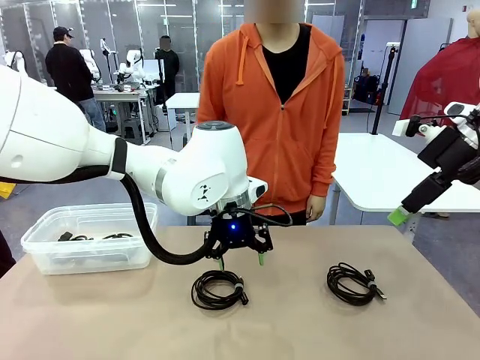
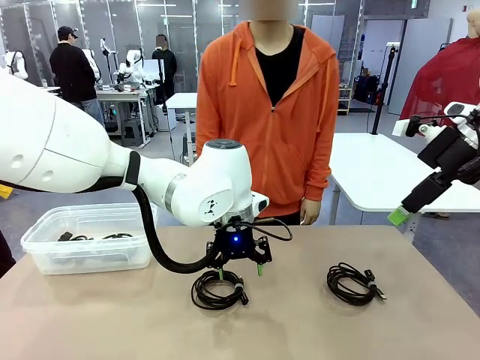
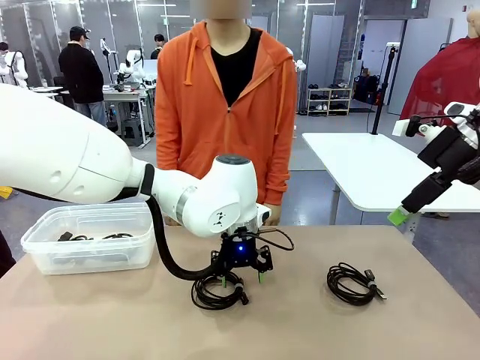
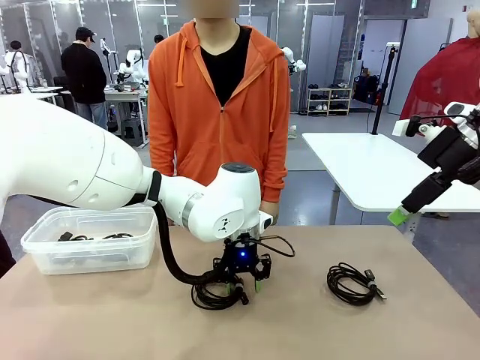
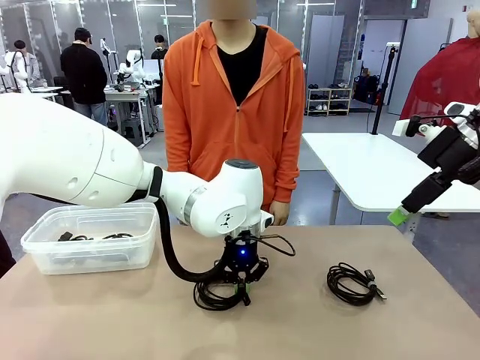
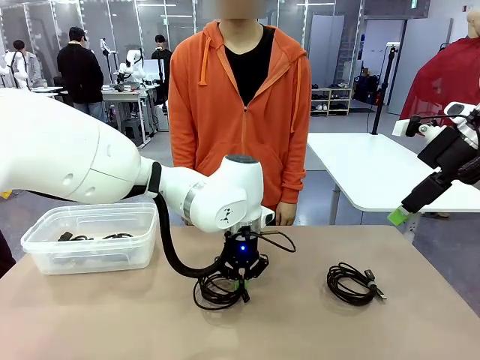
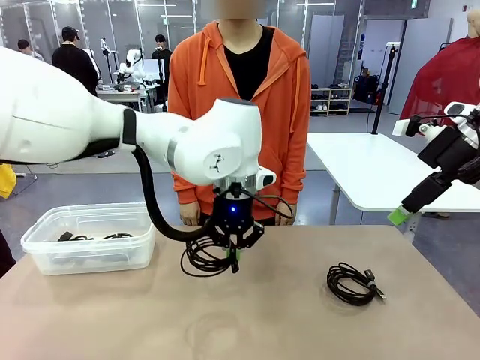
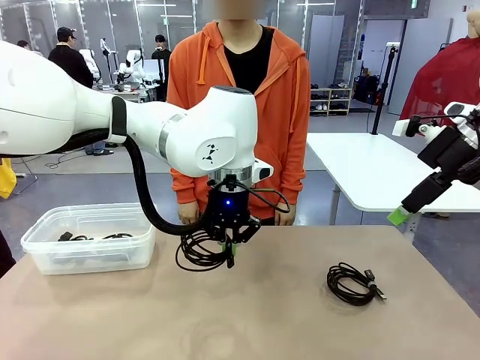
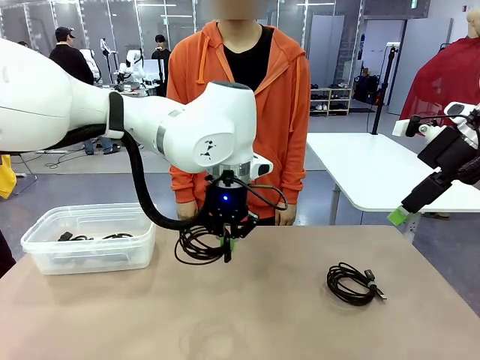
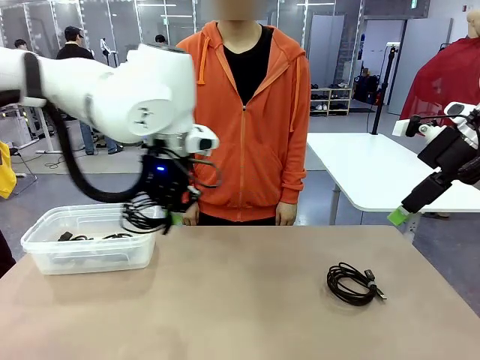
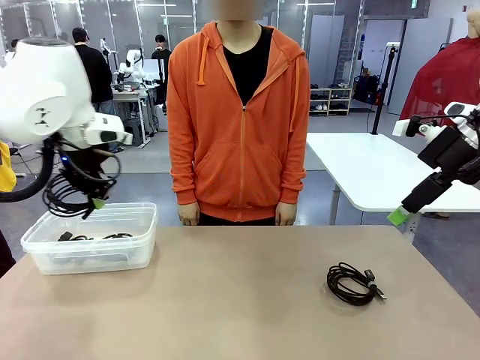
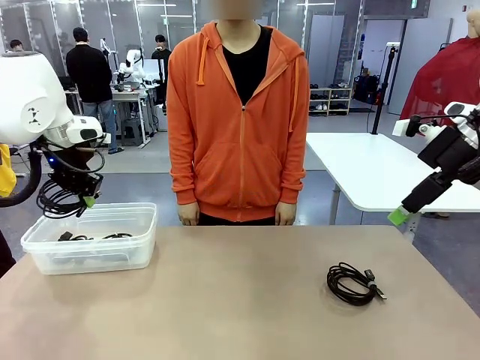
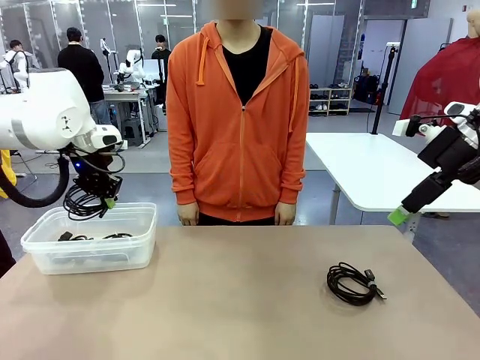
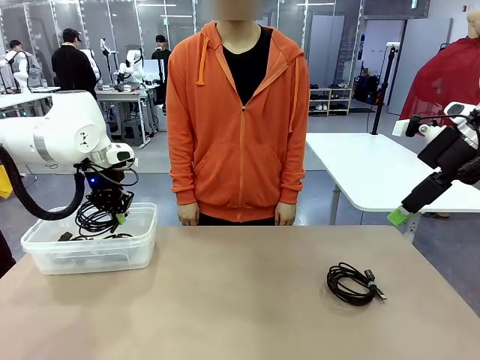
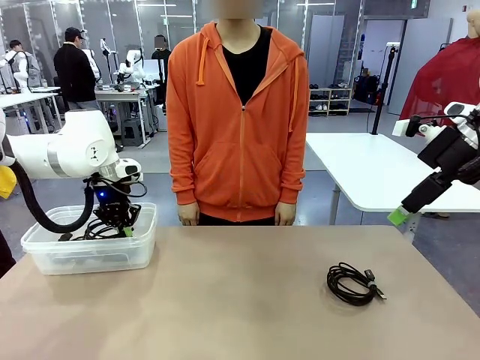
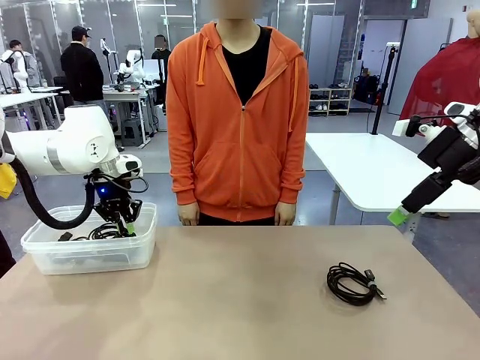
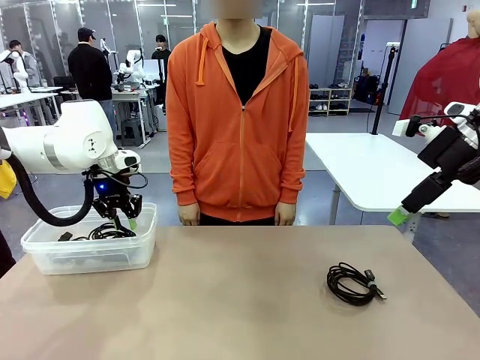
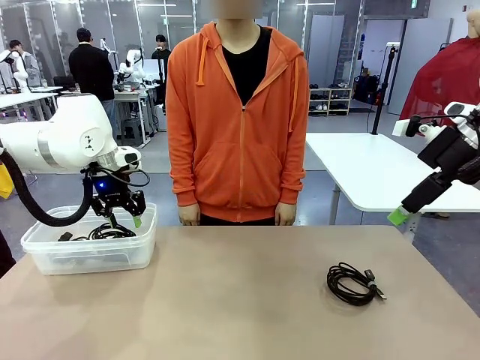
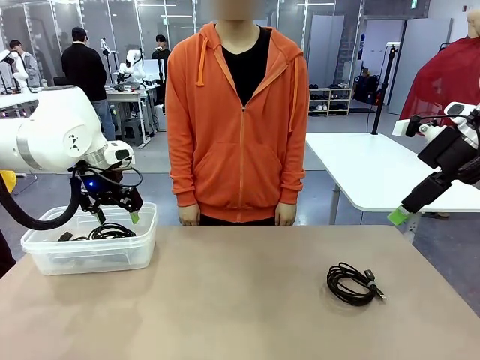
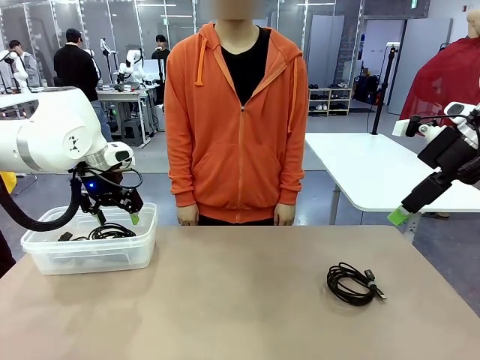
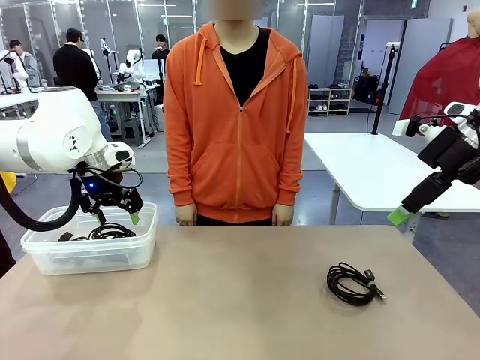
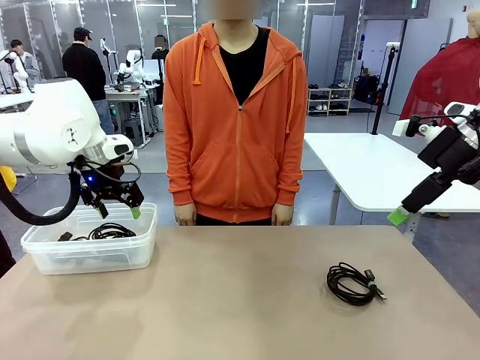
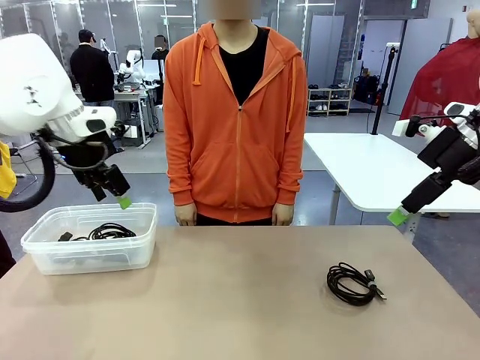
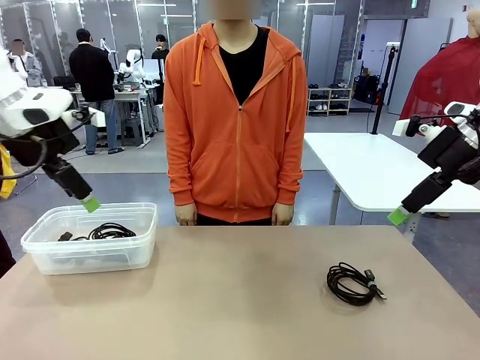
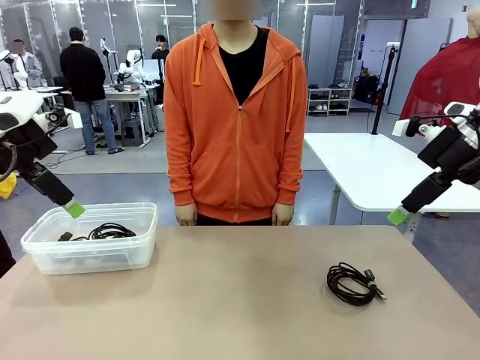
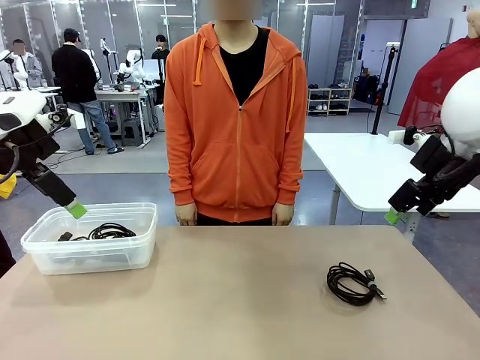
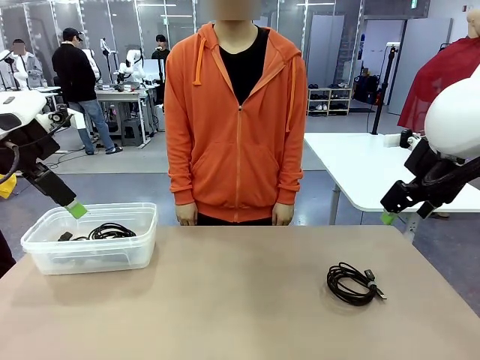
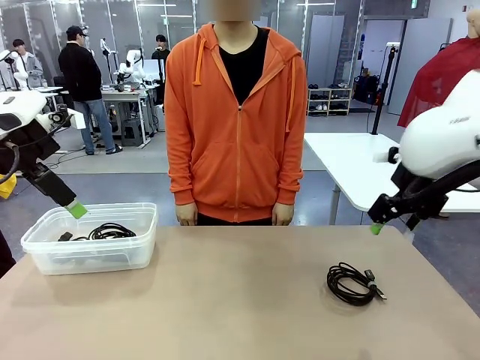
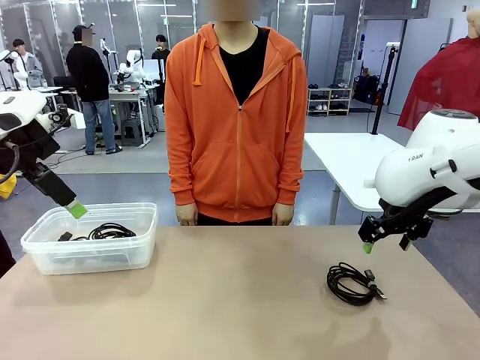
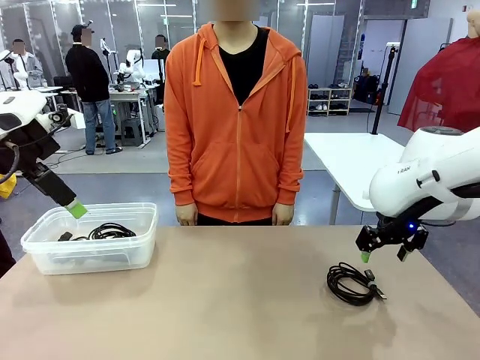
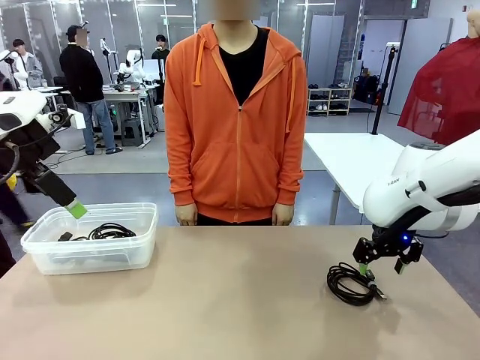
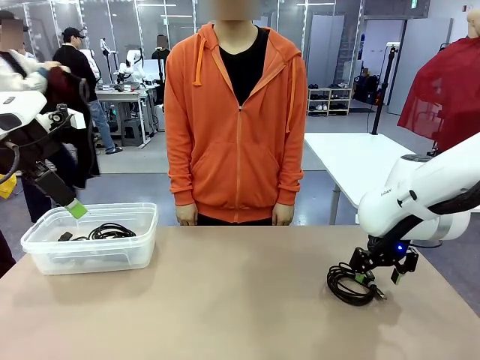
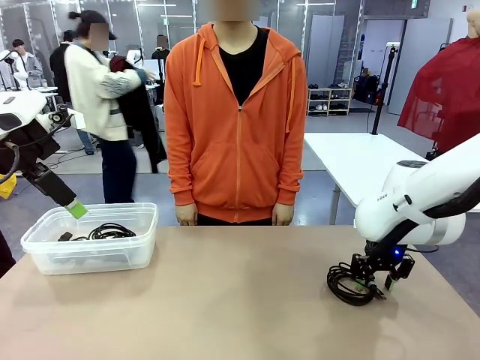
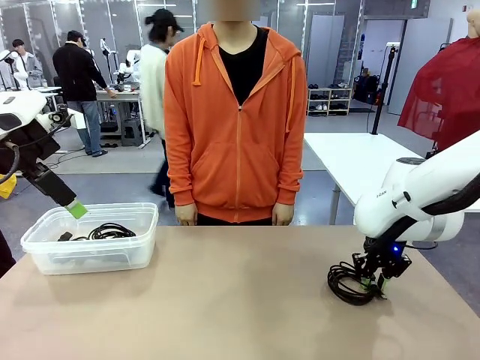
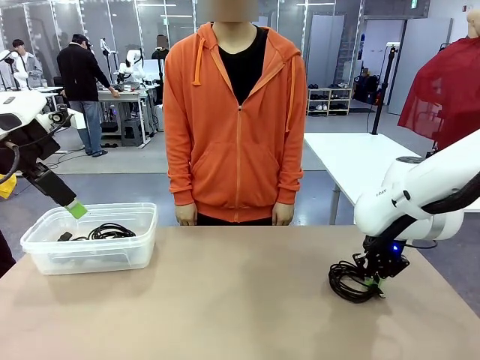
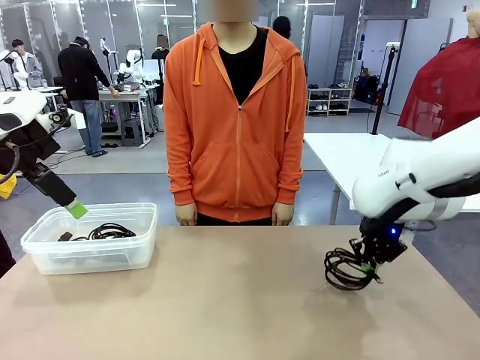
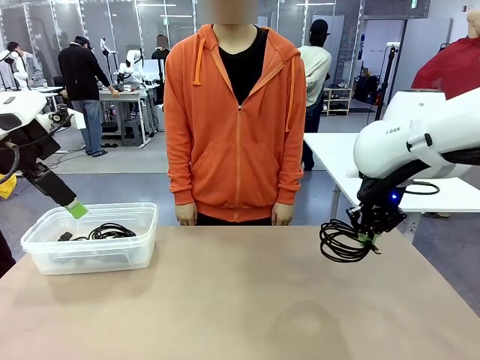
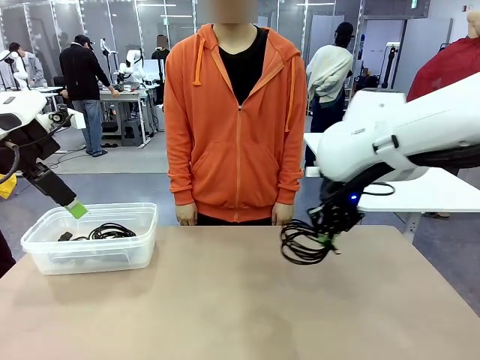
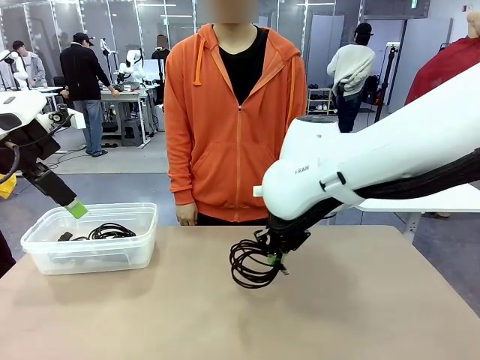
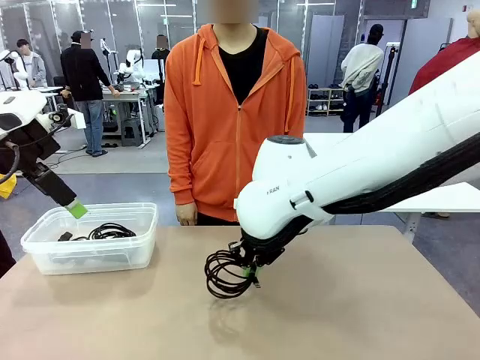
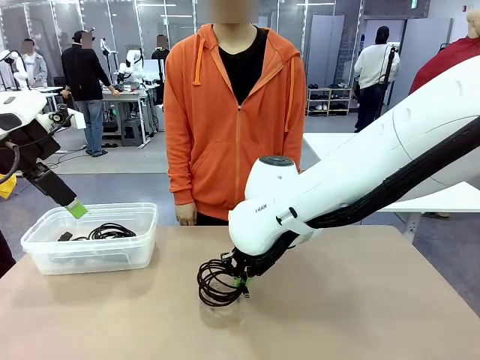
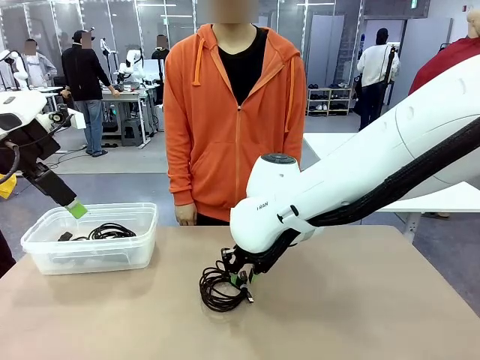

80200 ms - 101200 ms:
Task: Organize and store the cables.
Robot: Place the USB Extension Cable into the Organizing box.

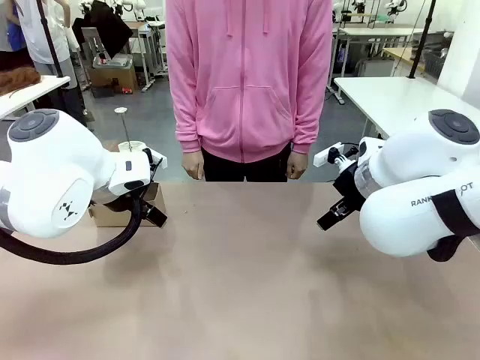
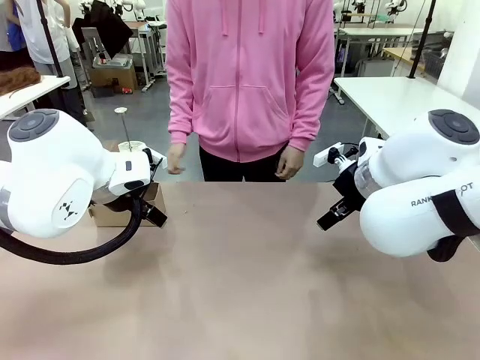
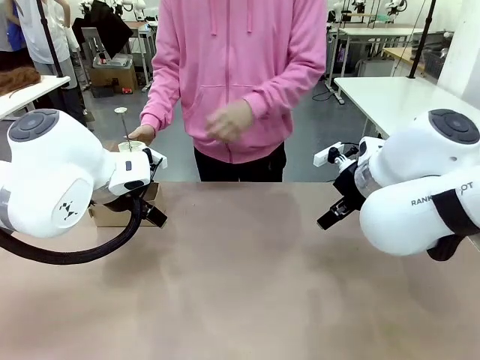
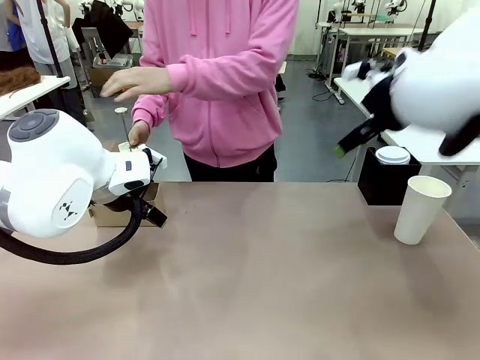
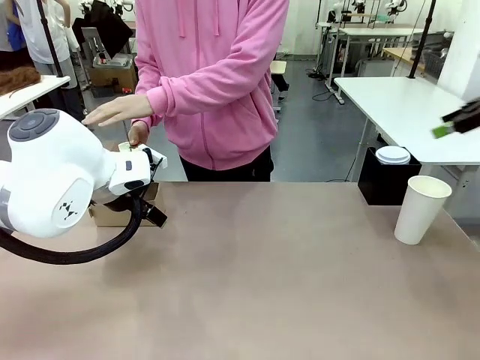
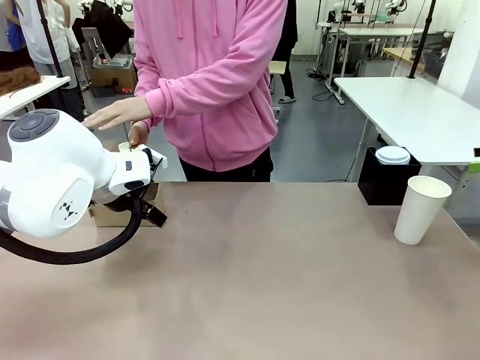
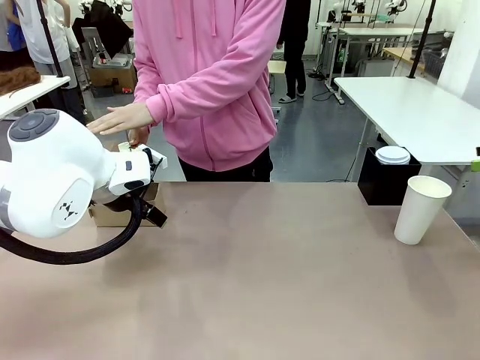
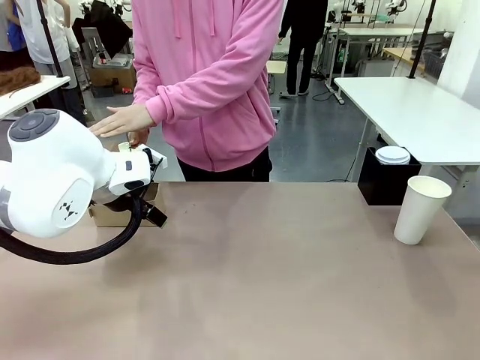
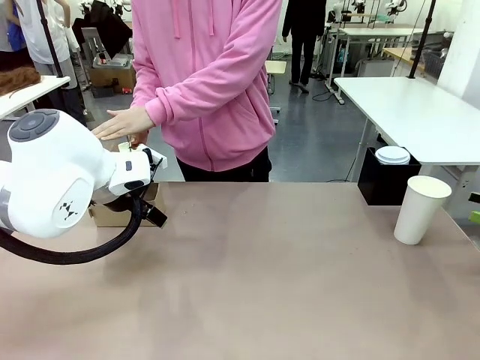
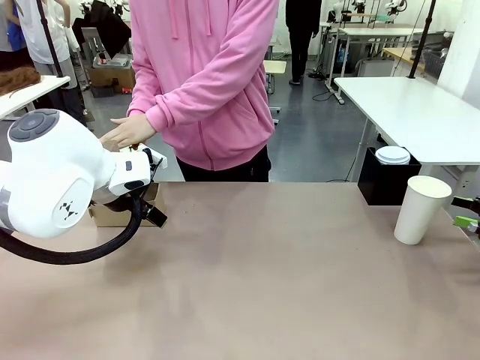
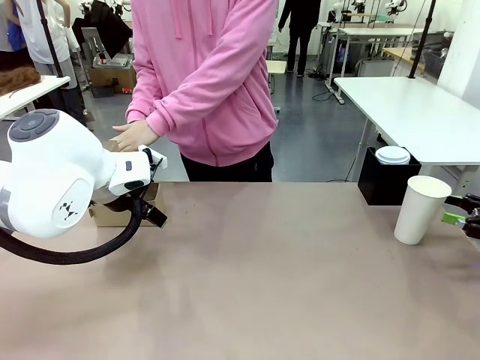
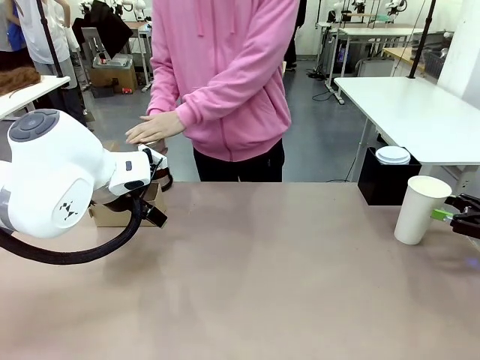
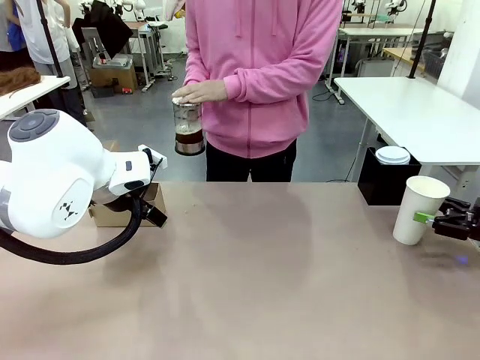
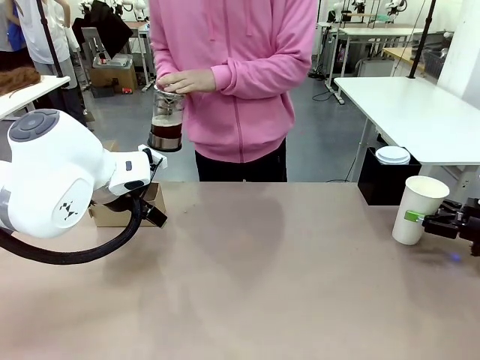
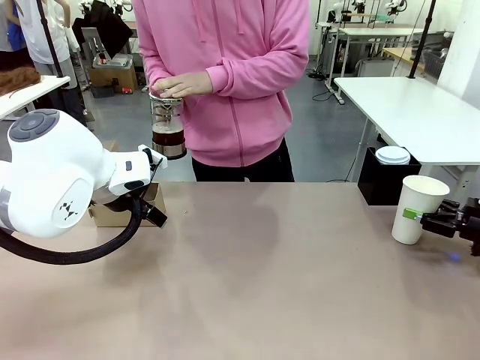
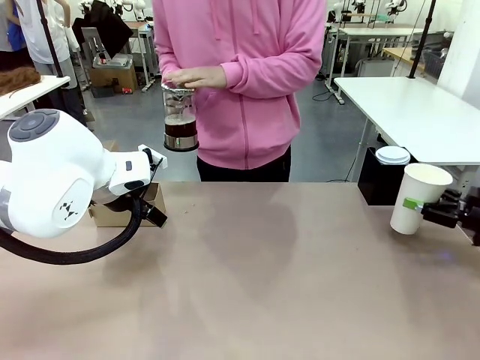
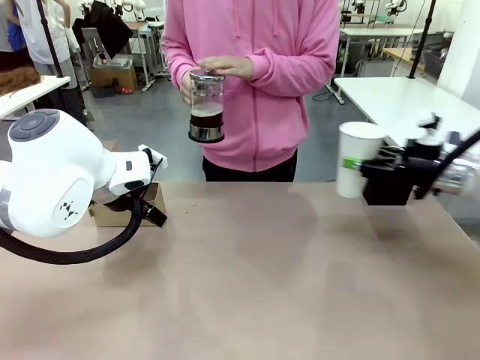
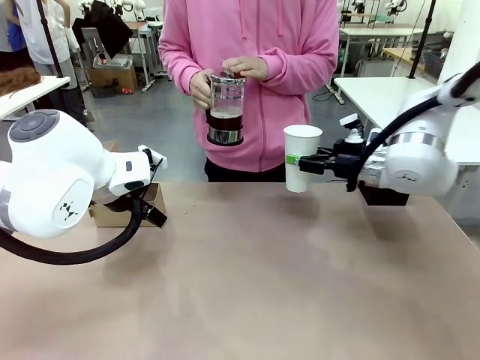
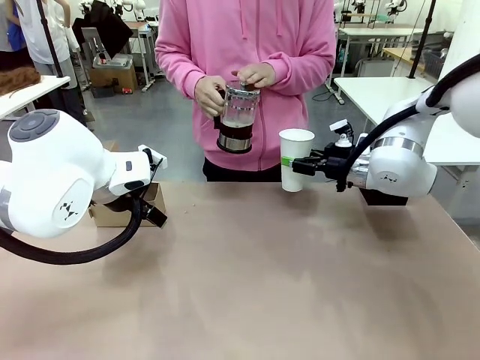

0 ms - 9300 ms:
Task: Pour a drink into a cup and package it in a carrier.
Robot: Pick up the 600 ml Paper Cup and place it in the middle top area of the table.
Person: Press and pick up the Filter Brewing.
